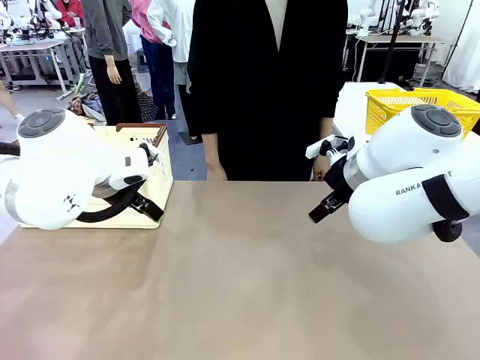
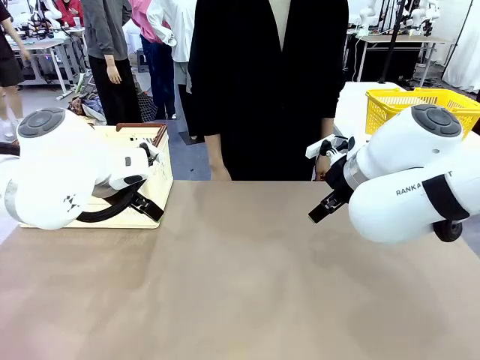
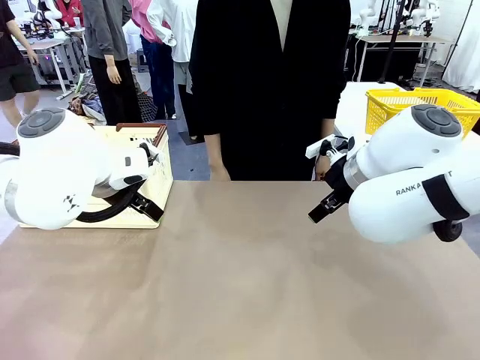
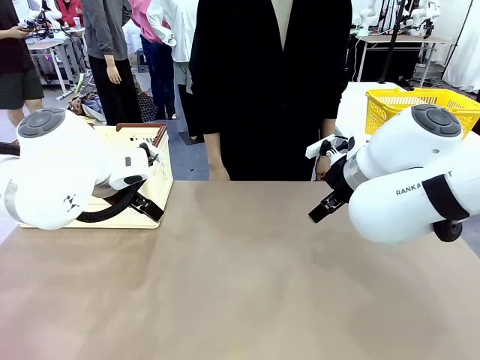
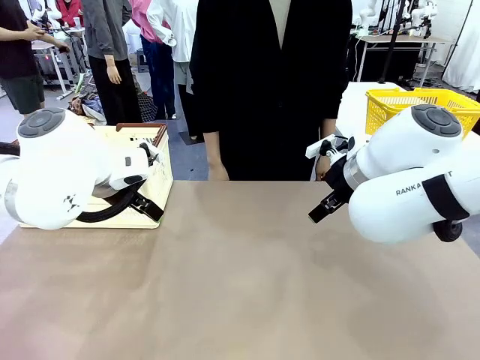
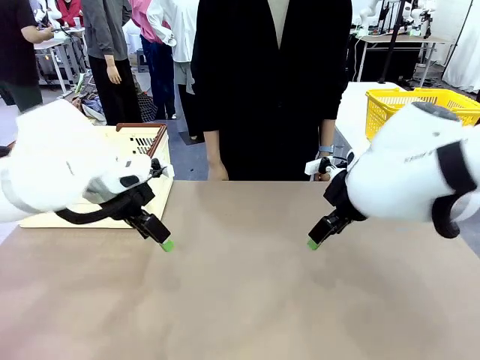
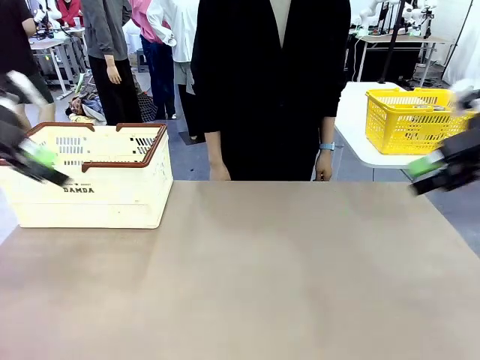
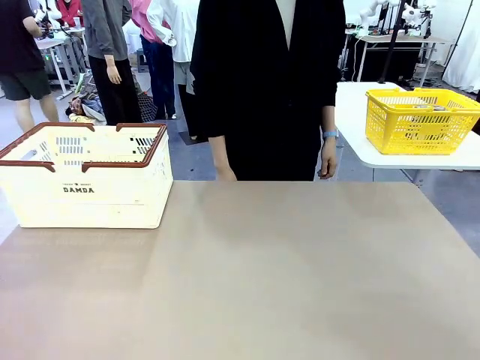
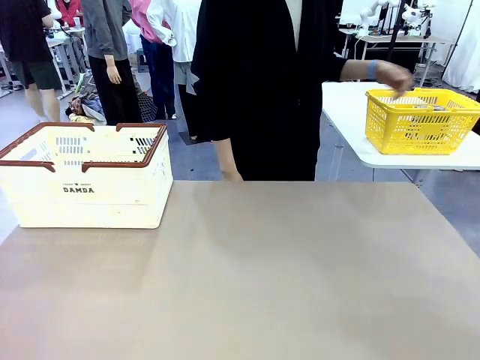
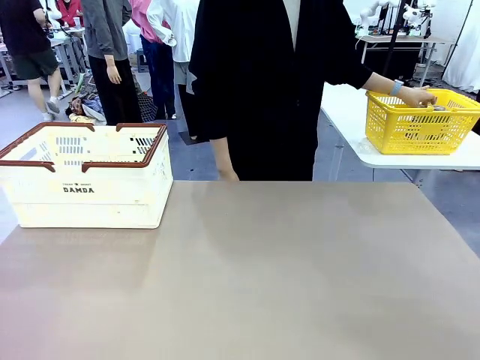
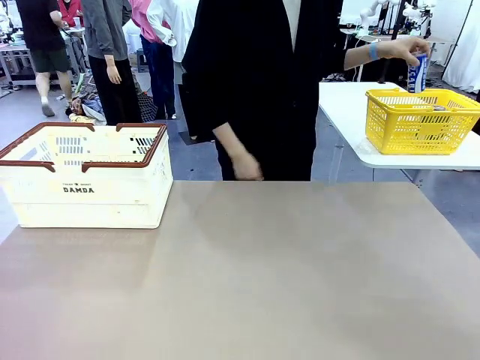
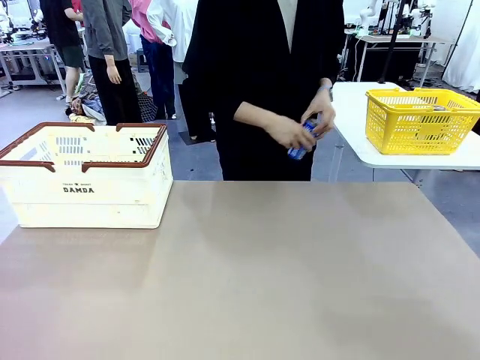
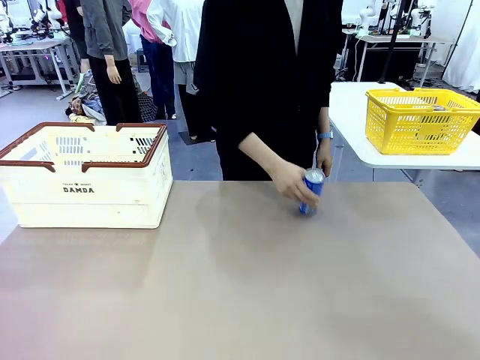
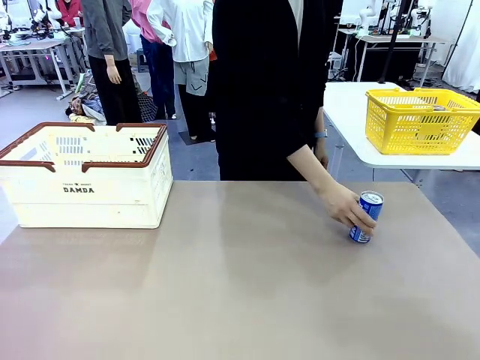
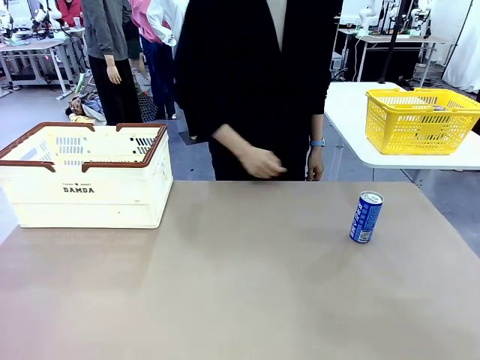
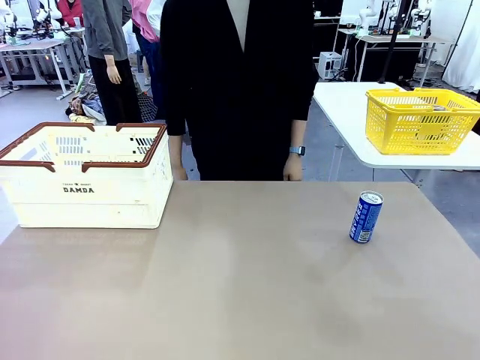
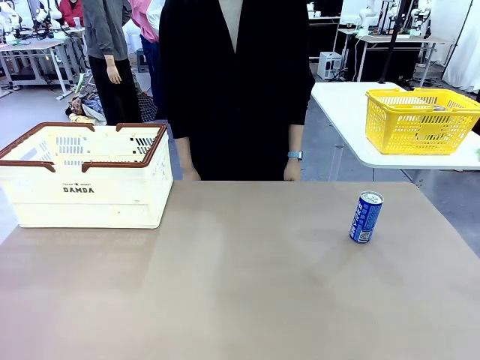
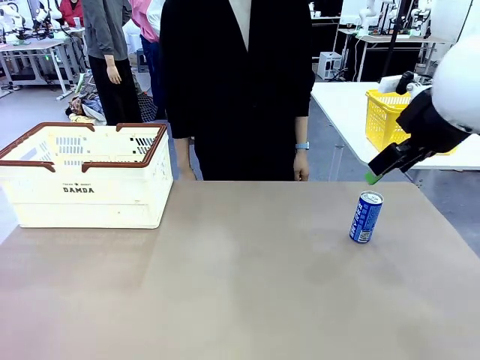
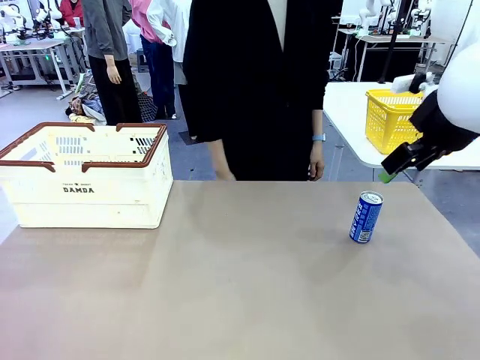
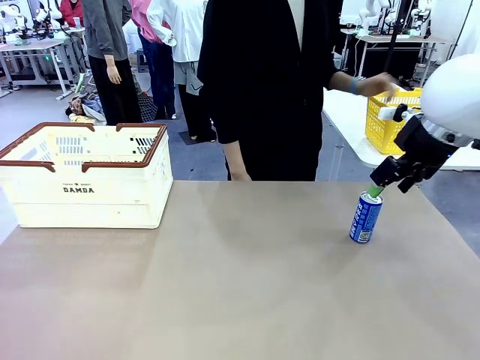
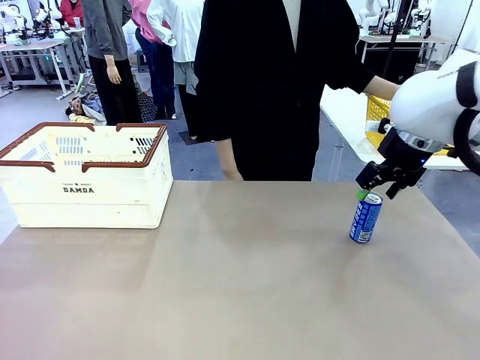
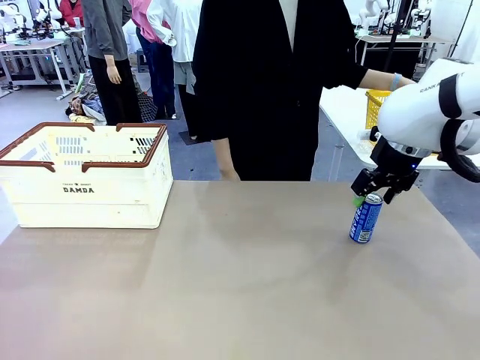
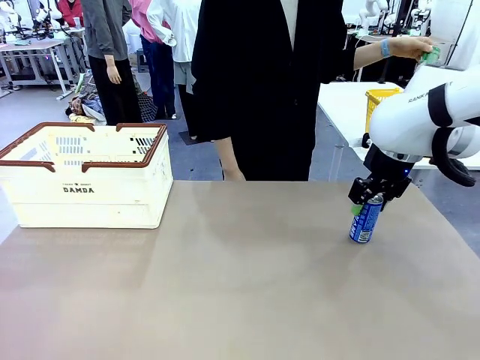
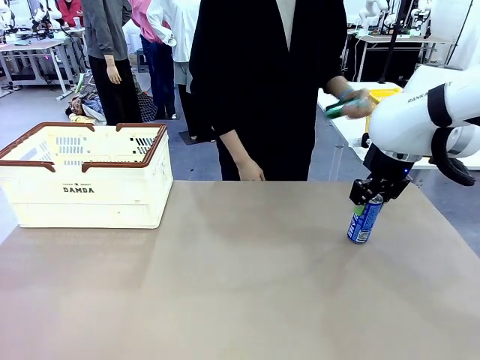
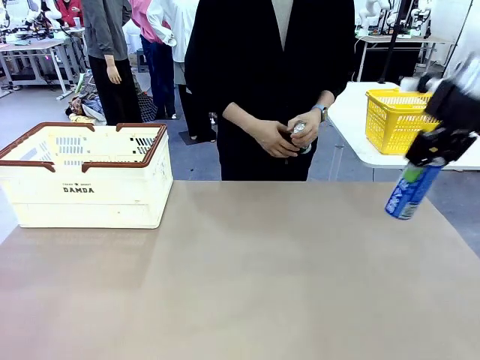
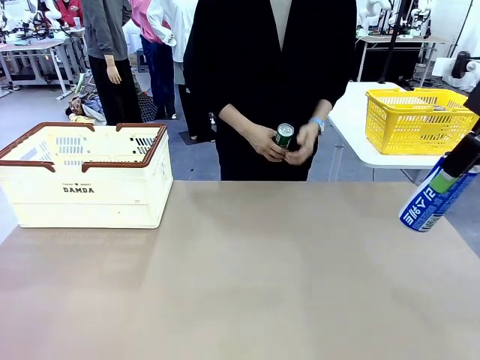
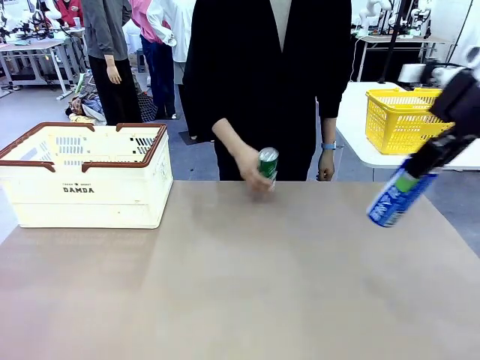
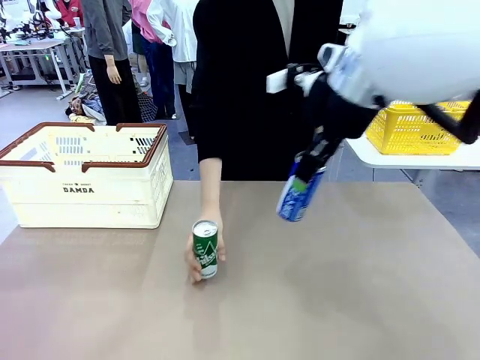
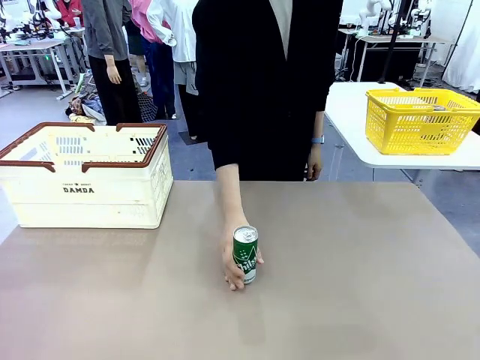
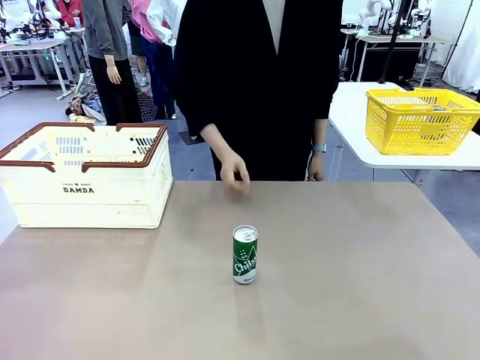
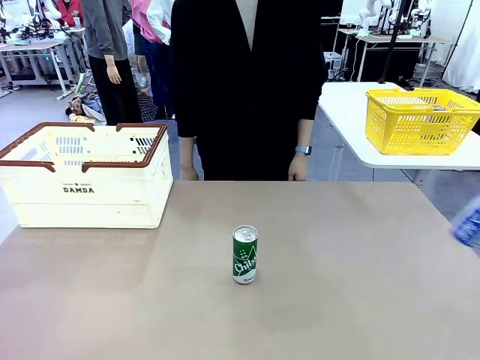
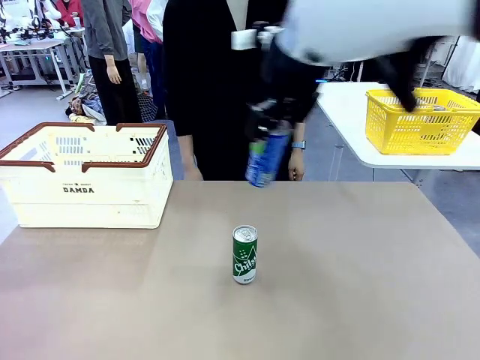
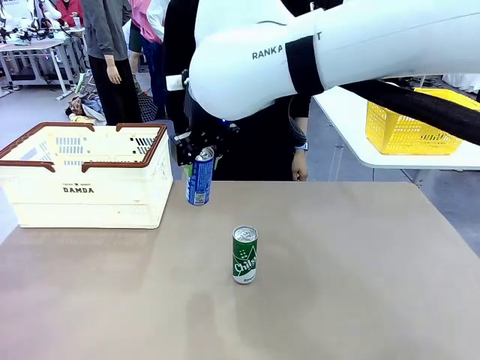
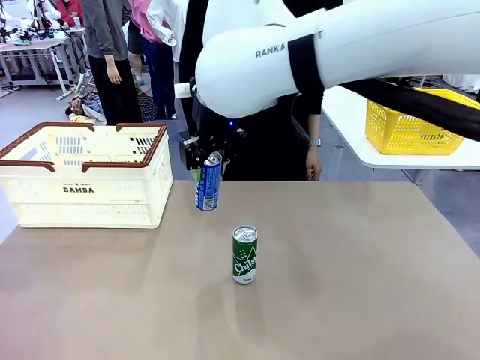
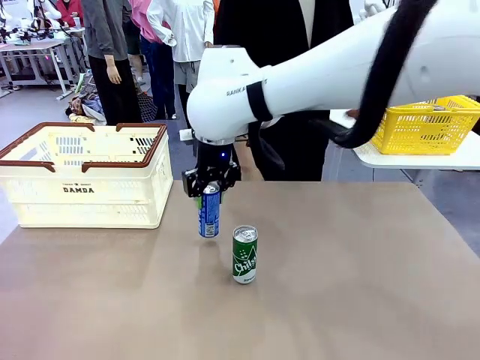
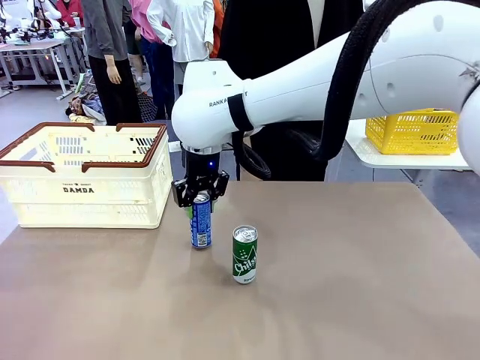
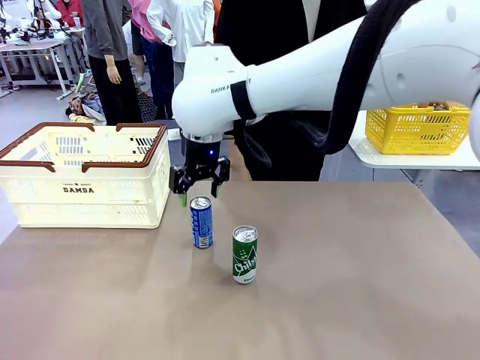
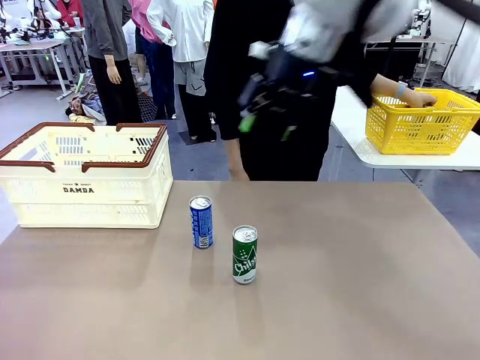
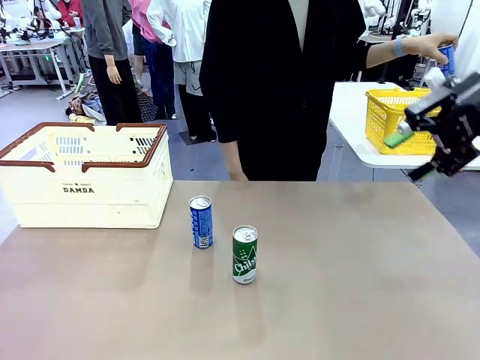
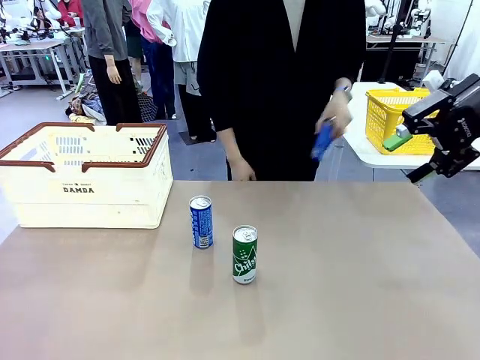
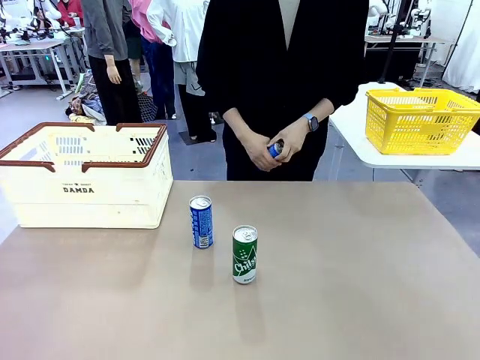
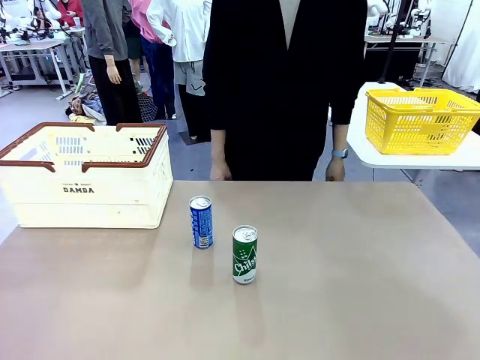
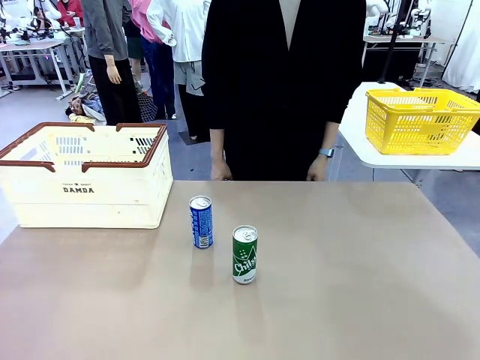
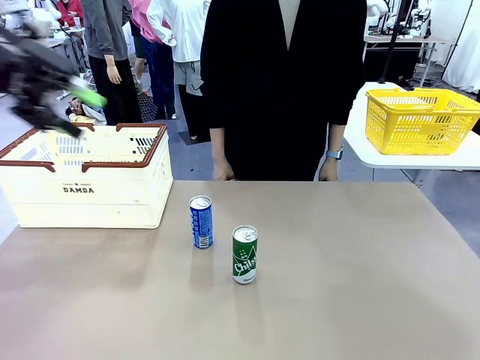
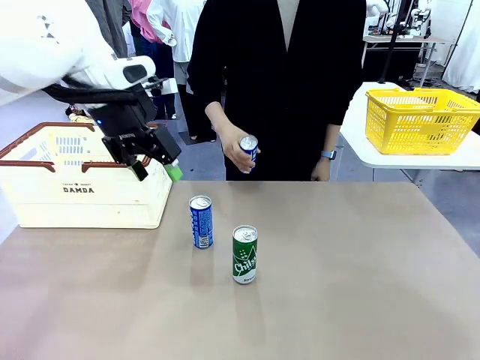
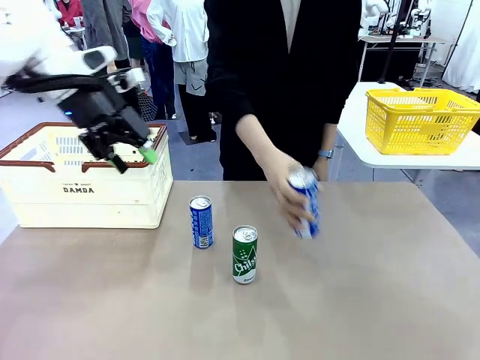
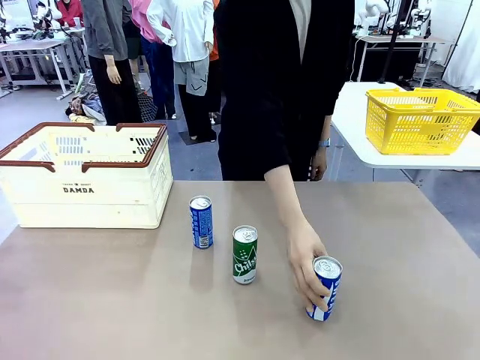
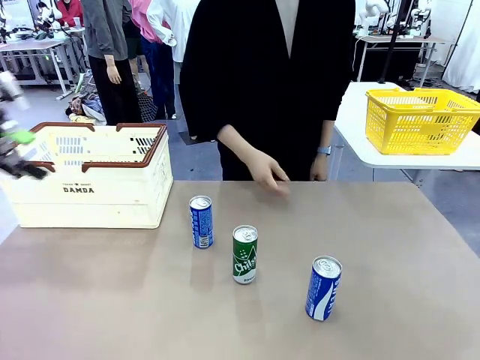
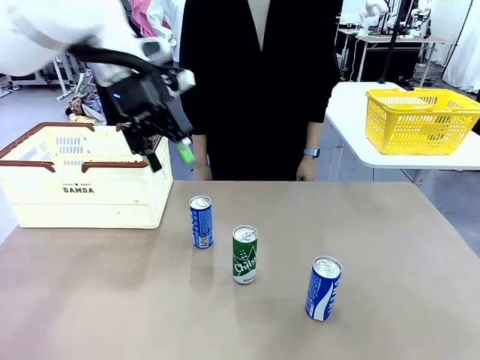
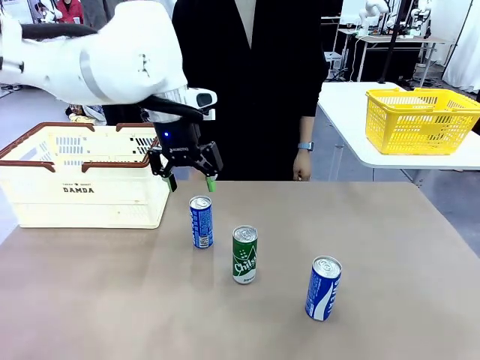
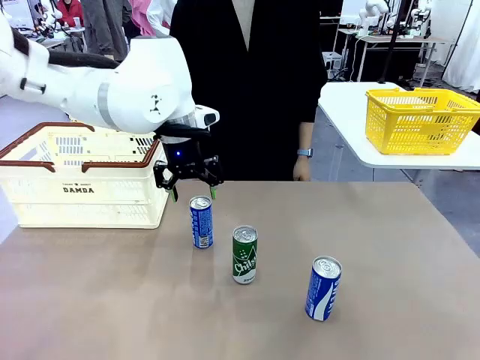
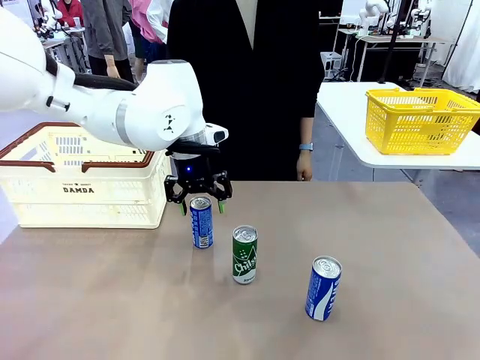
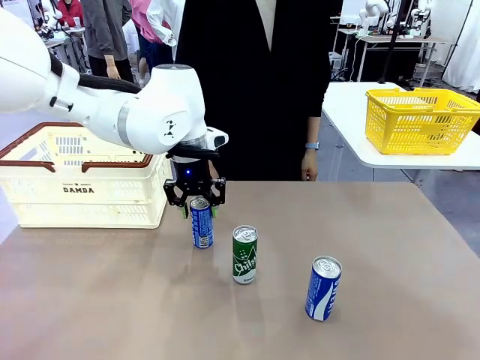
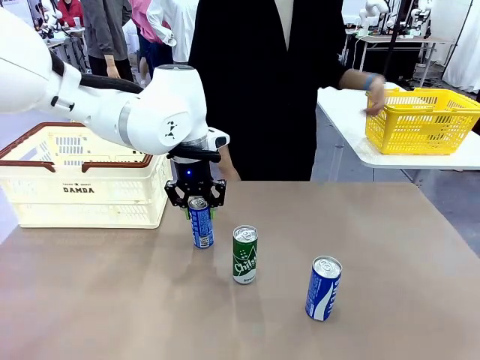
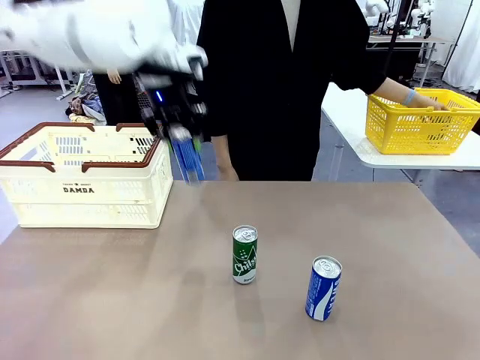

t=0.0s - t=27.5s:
Task: Place the drinks into the Shopping basket.
Robot: Pick up one drink and place it into the Shopping basket.
